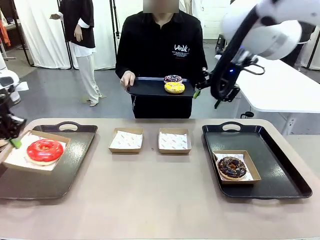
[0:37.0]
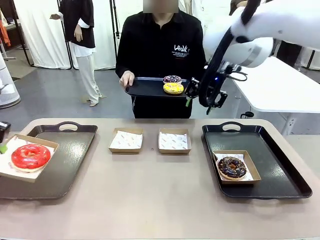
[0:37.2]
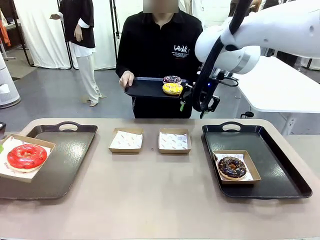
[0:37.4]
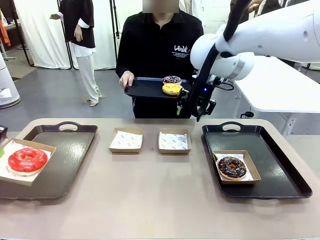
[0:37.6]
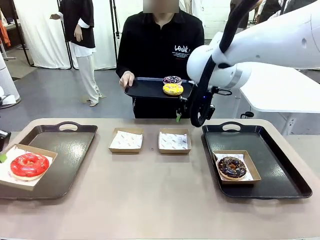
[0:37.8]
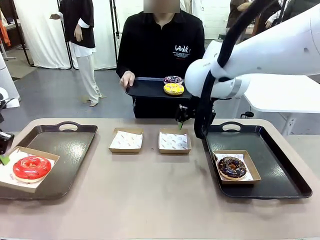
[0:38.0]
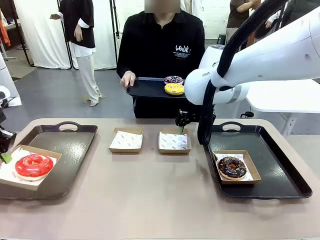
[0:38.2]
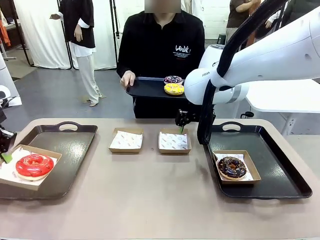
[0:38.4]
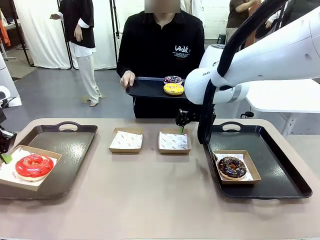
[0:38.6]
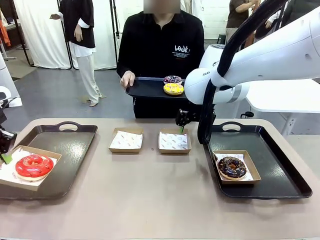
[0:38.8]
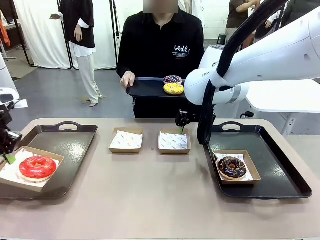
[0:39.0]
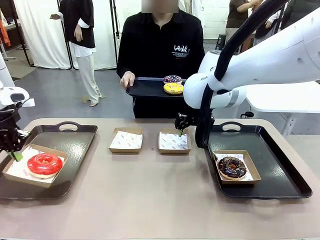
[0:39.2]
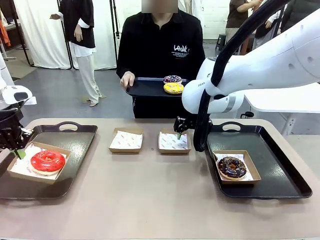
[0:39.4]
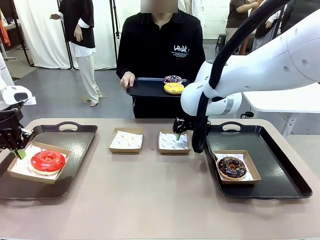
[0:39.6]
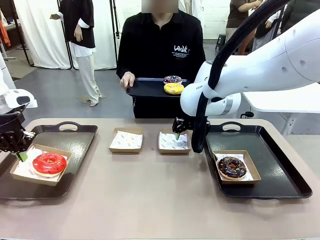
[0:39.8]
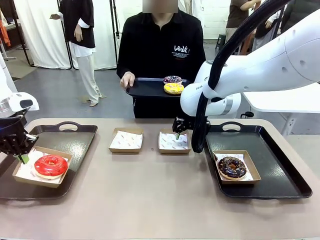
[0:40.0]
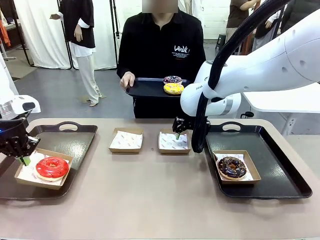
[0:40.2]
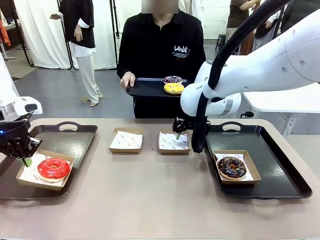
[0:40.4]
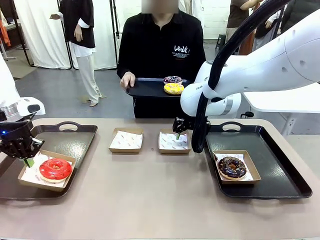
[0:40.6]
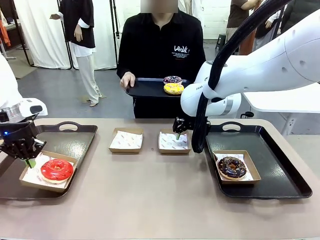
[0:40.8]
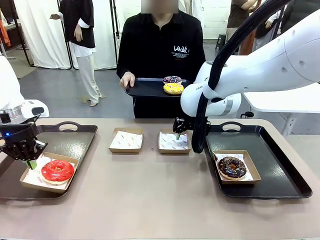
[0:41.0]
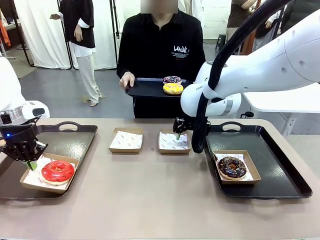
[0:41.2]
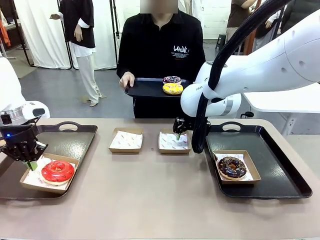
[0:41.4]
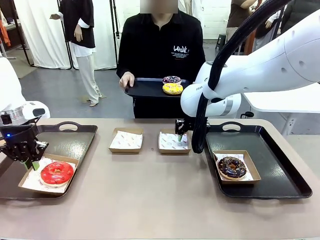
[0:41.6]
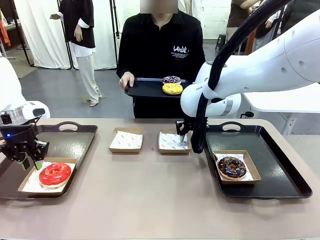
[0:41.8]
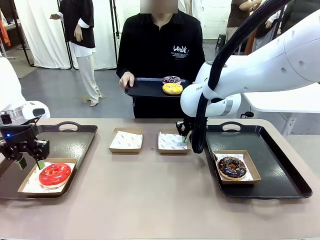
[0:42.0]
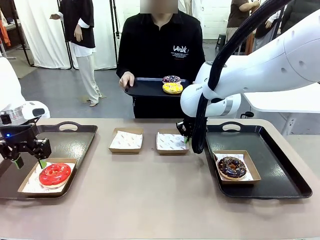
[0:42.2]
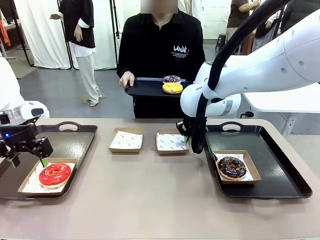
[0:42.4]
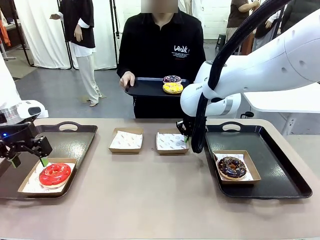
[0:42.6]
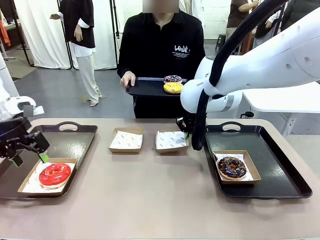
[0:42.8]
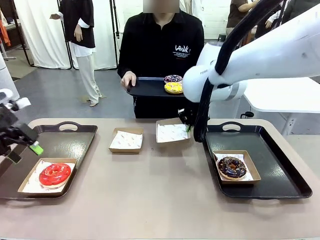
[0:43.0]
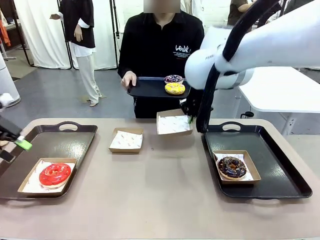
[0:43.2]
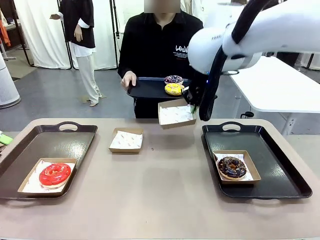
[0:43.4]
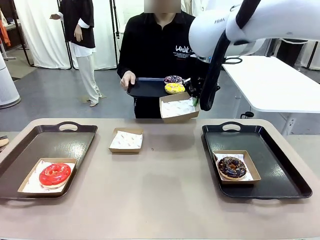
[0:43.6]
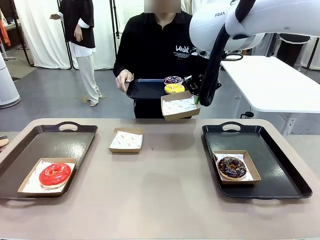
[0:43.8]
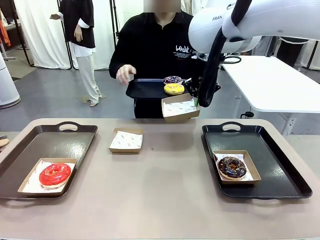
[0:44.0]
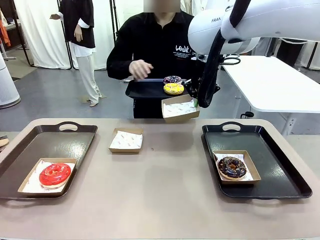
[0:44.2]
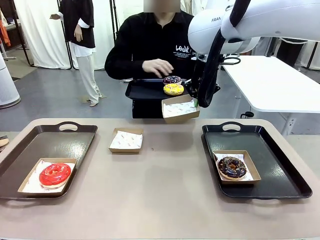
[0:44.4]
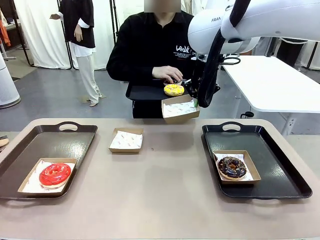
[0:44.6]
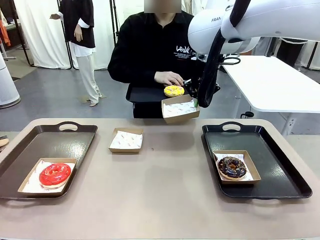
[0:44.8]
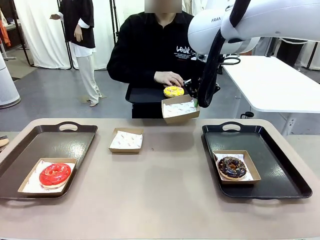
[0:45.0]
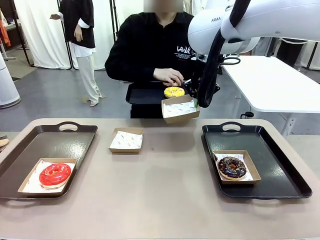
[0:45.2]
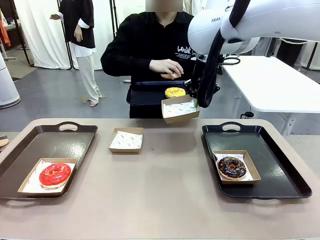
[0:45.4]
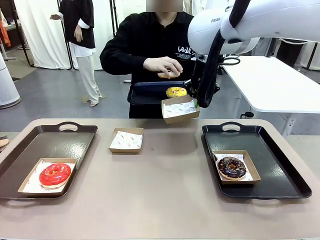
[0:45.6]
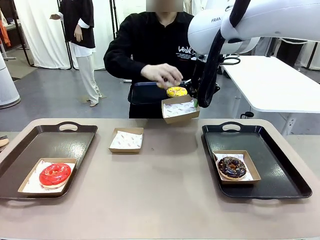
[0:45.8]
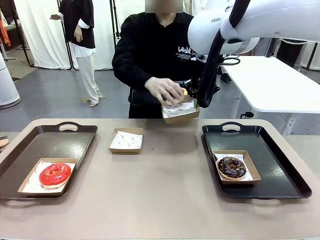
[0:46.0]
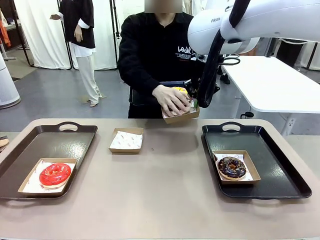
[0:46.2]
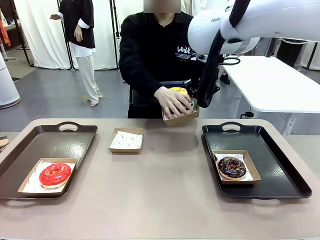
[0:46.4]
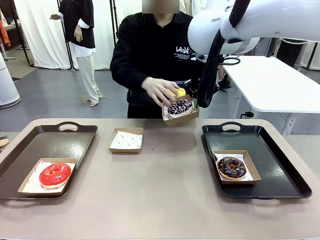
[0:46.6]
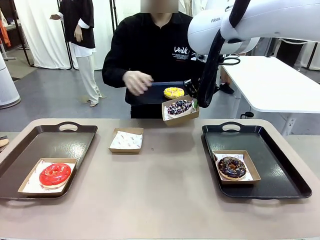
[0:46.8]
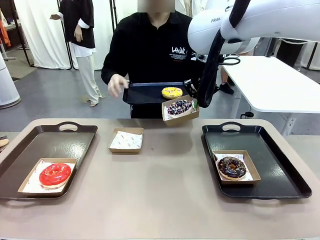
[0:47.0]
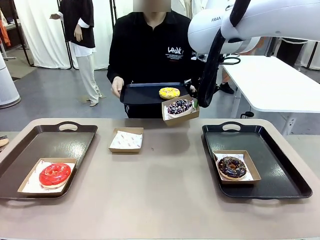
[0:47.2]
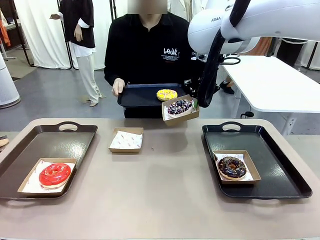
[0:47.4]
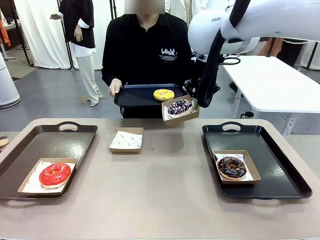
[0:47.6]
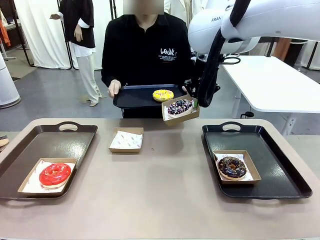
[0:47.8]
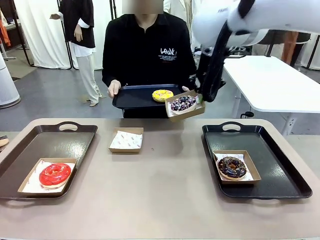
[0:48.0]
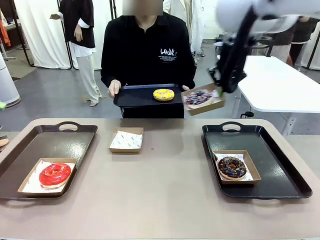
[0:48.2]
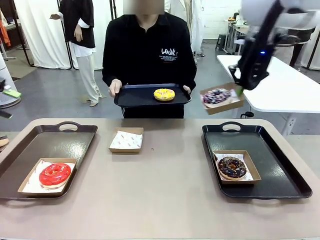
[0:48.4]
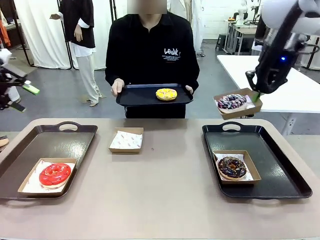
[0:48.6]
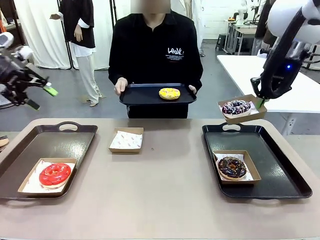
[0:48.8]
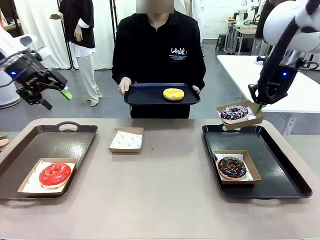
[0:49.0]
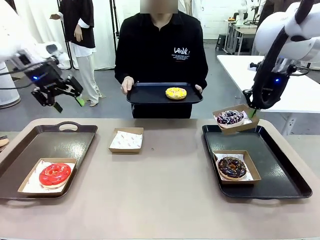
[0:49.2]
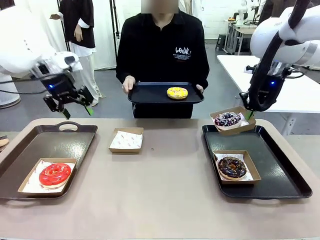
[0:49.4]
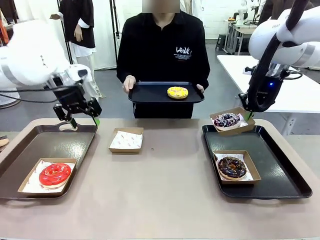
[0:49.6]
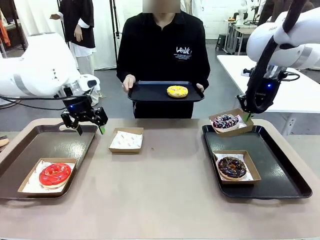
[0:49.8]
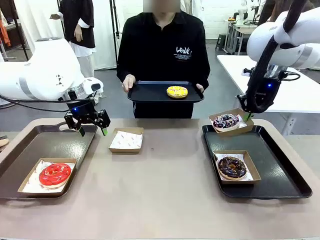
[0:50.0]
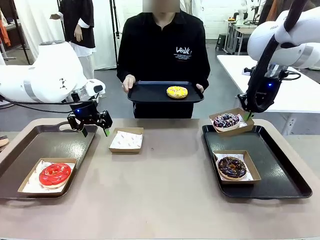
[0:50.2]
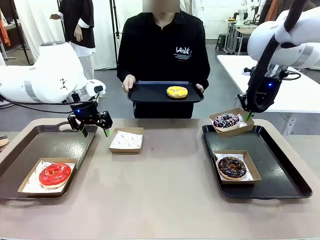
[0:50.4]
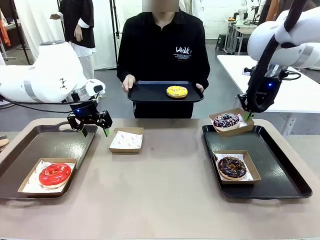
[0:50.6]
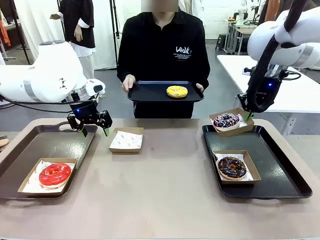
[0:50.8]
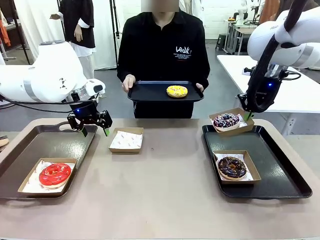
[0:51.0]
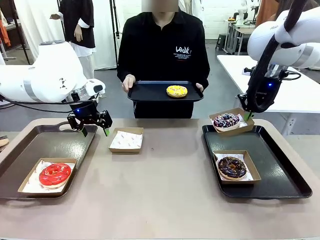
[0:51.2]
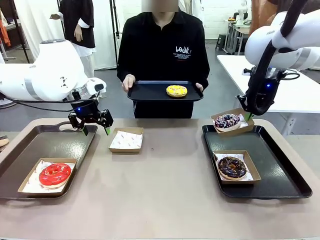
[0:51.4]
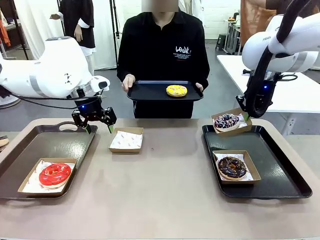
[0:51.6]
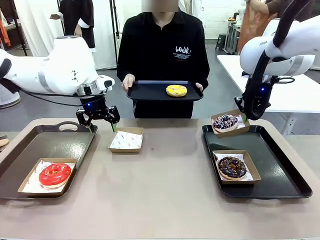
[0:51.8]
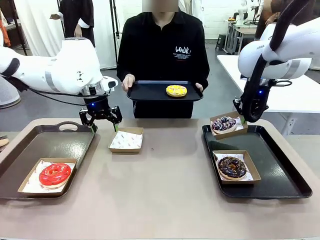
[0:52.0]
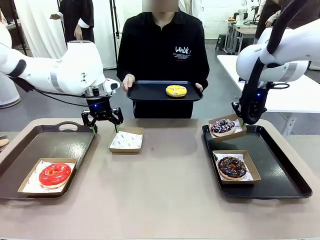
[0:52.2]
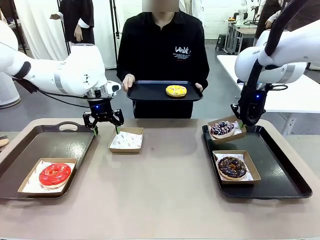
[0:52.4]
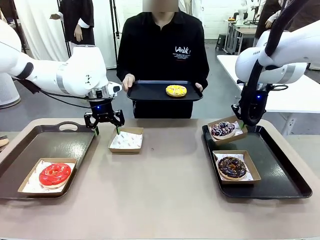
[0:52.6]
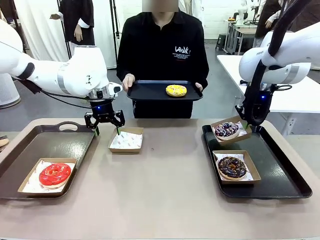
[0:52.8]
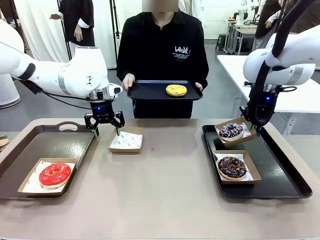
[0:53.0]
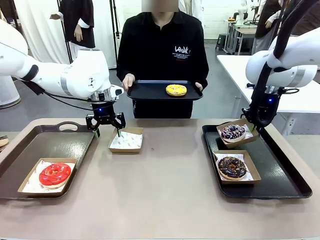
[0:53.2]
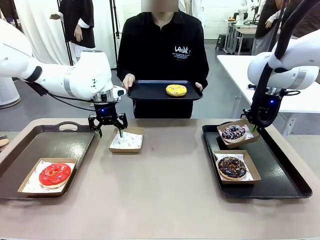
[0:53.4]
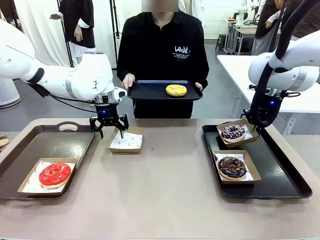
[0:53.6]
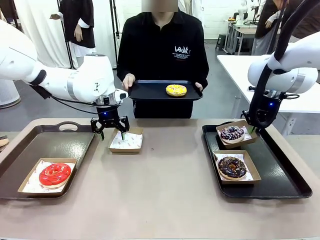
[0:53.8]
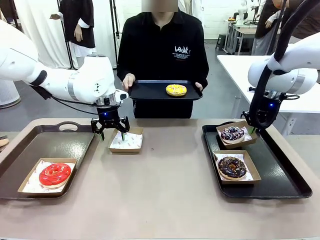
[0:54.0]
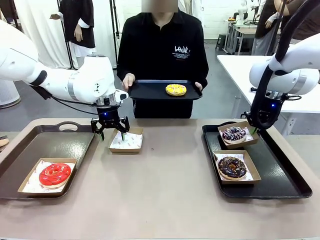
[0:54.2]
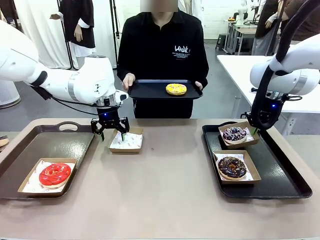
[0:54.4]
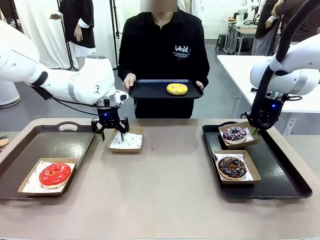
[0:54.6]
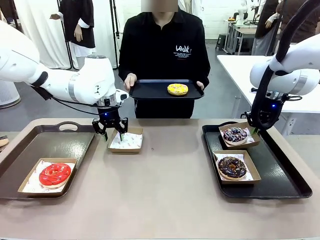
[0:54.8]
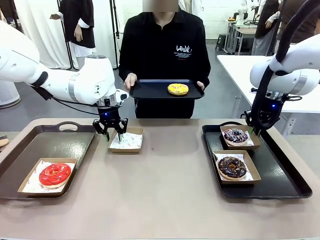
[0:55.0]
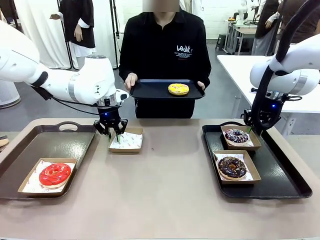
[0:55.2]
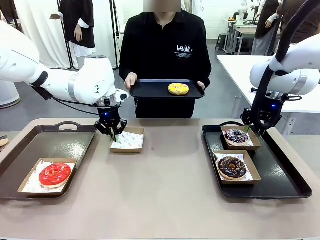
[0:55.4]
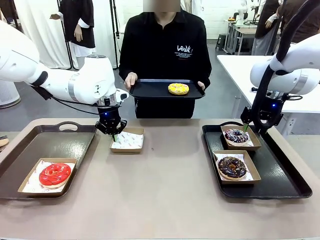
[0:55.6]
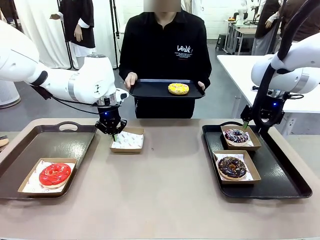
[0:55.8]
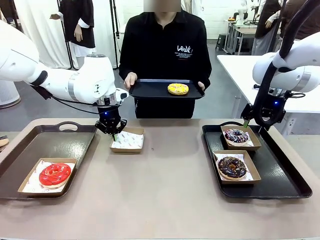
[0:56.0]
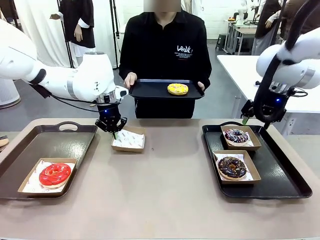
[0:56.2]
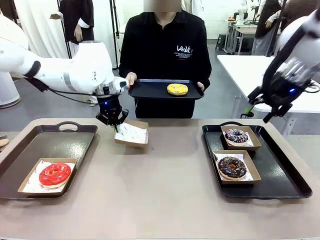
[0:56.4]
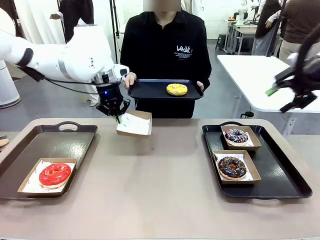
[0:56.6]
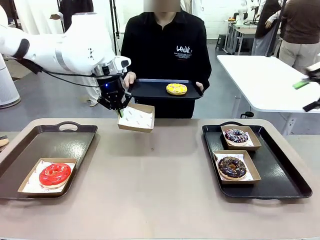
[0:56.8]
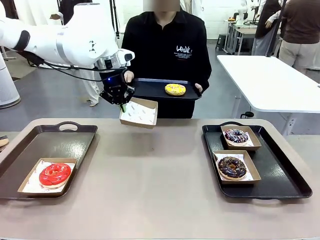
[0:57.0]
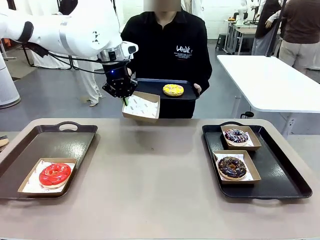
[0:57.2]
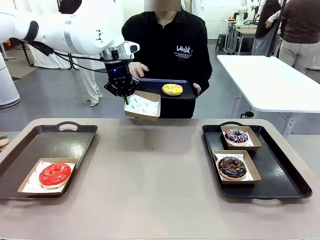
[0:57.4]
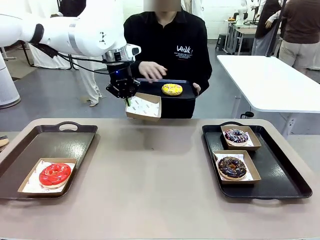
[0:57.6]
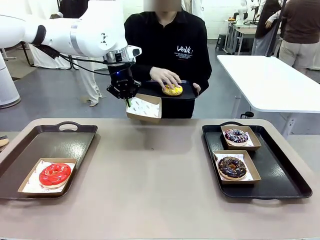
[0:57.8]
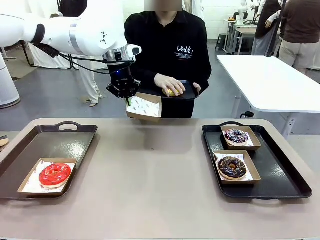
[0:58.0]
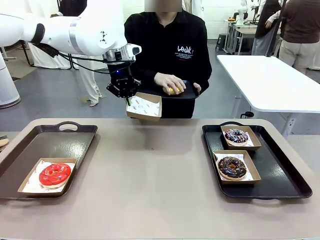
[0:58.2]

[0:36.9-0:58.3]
Task: Individually package the donuts and arrange them on the tray.
Robot: Place the picked Paper togo box on the Handle tray while simultaneously picking up another Paper togo box from the table with the other hand.
